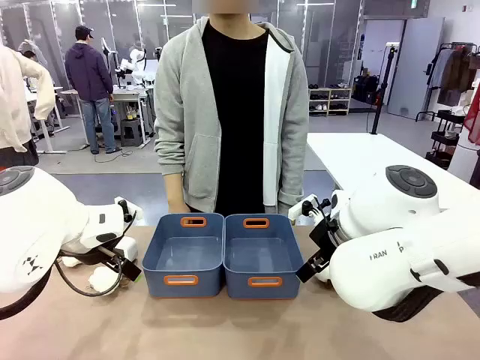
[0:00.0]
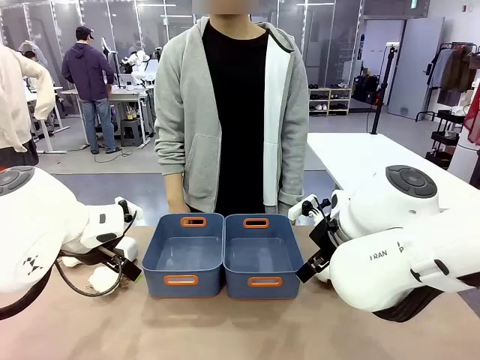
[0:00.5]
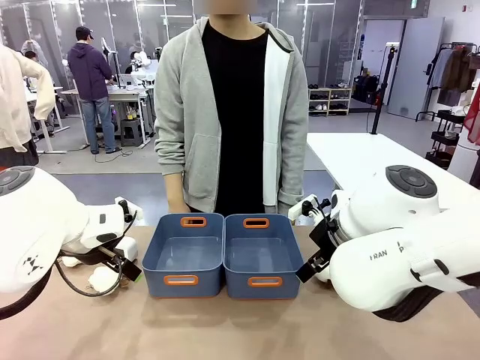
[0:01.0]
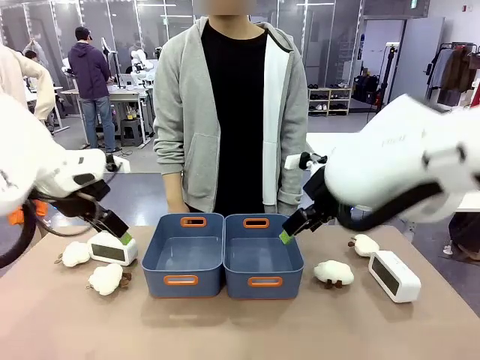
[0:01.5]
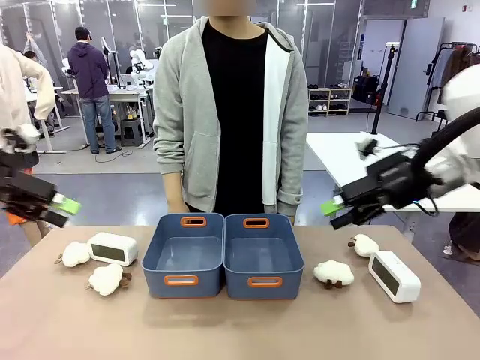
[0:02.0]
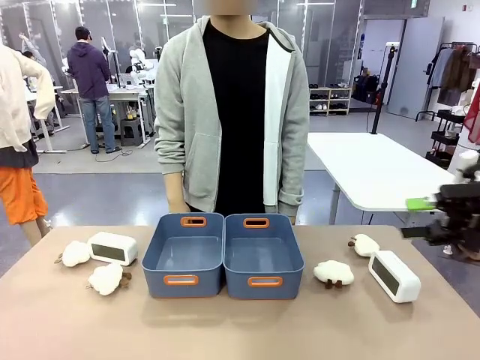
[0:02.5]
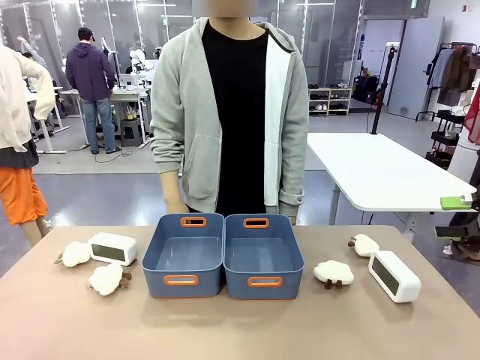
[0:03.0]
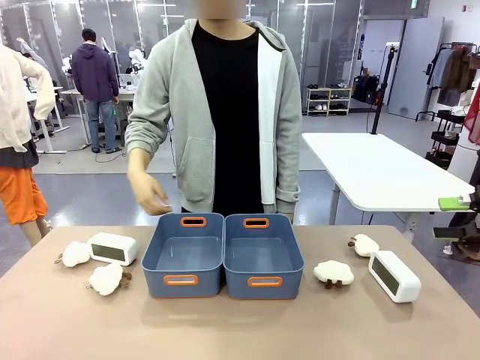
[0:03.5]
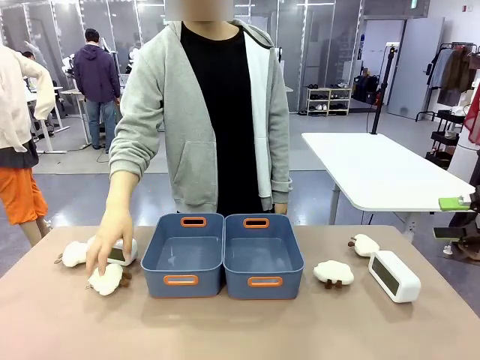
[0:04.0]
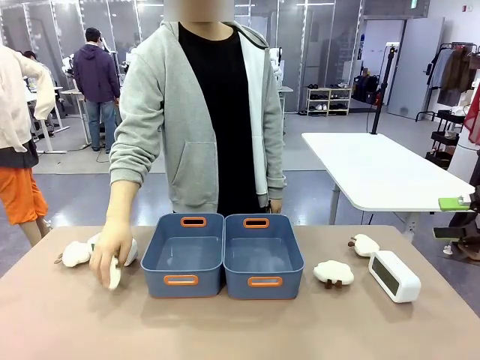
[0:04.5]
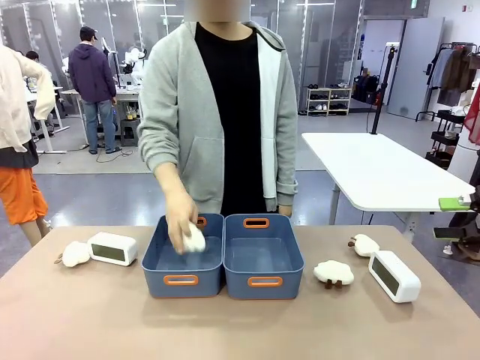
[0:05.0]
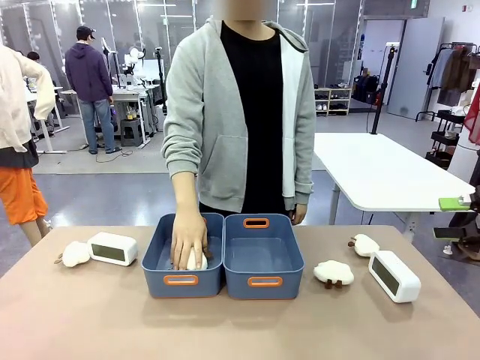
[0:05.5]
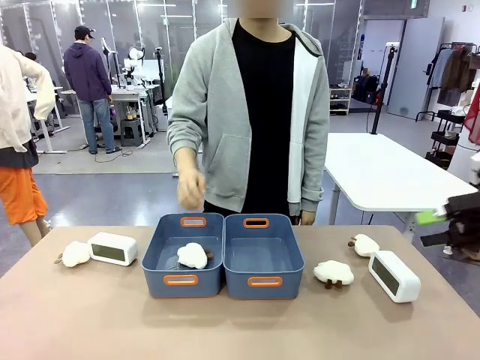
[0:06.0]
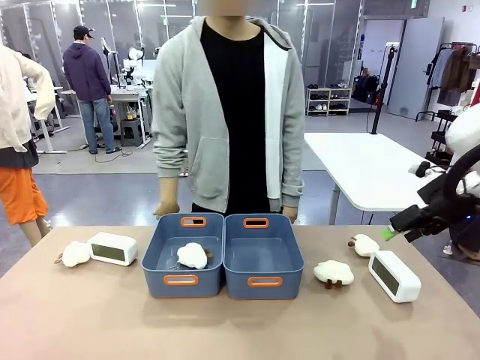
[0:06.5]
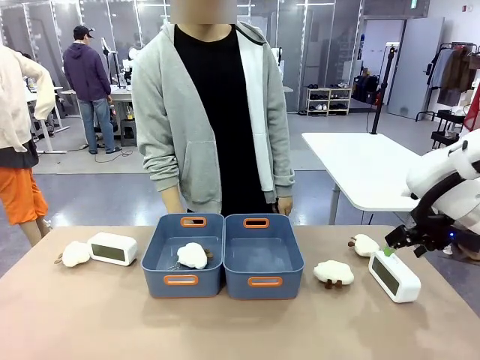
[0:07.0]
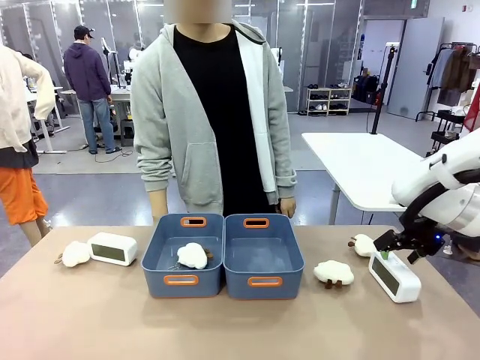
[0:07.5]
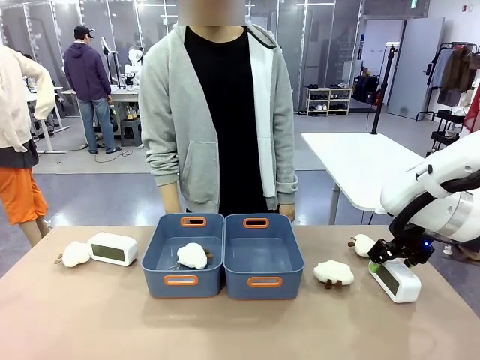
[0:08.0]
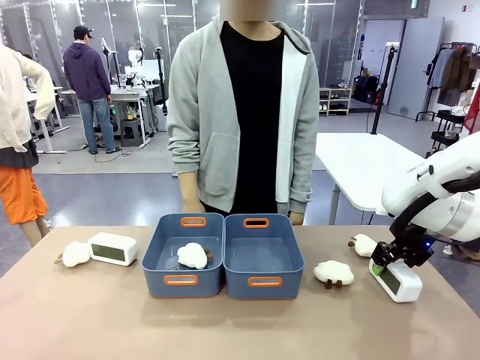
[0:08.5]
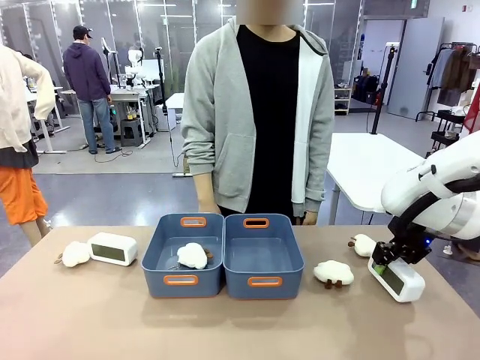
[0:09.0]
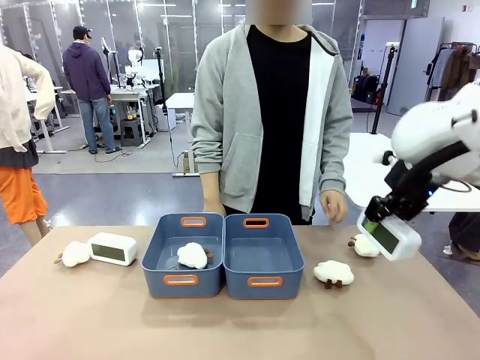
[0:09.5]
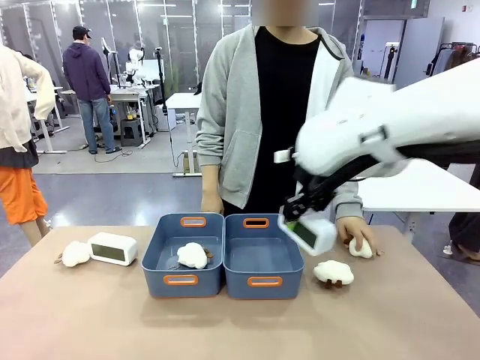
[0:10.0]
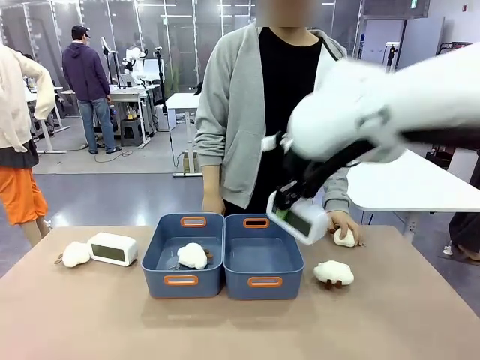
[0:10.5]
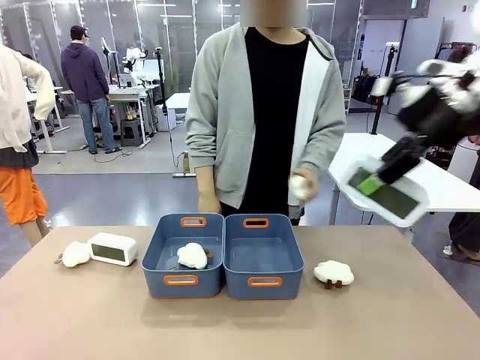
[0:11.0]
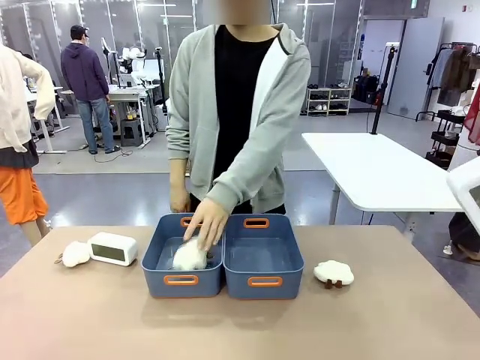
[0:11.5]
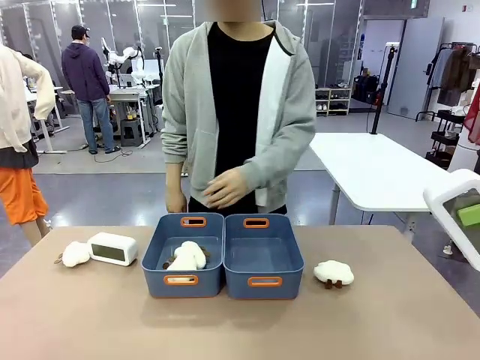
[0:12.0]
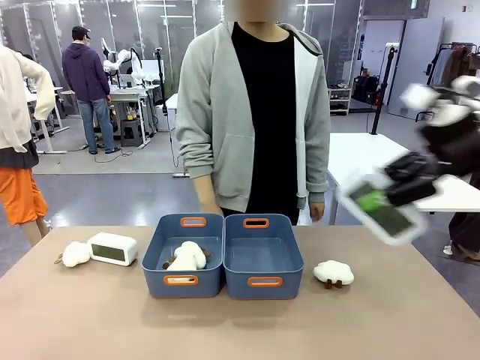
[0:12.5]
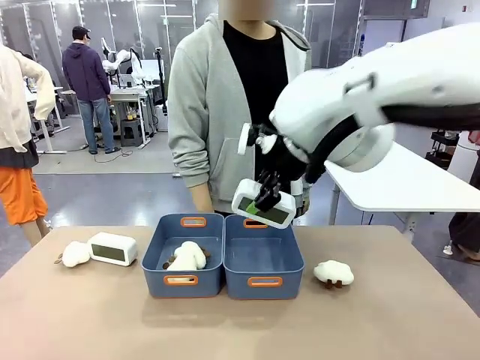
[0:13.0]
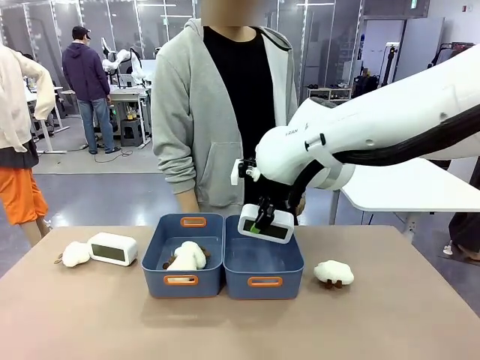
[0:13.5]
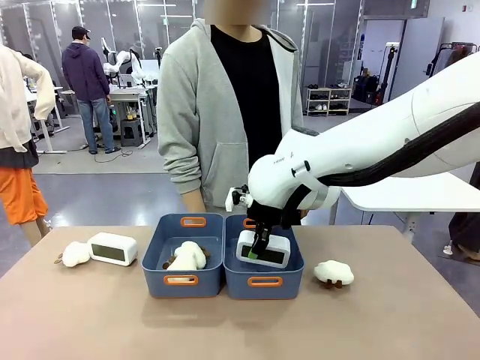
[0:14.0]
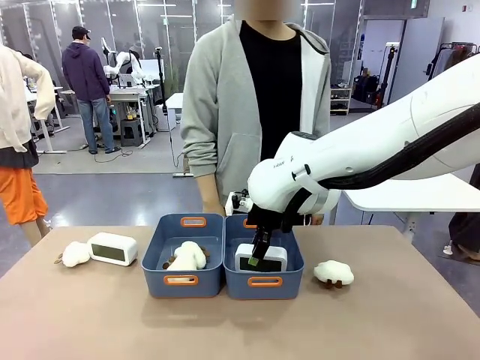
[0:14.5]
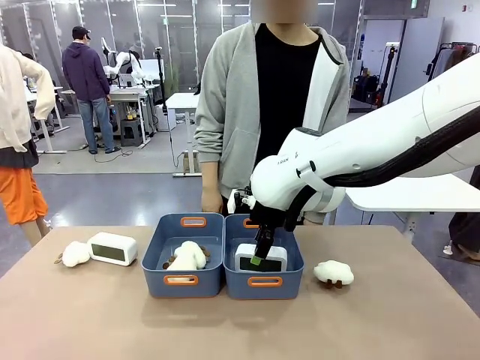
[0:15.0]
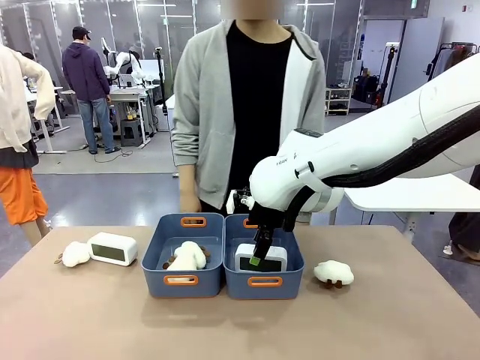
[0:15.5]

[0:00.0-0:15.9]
Task: Sort the digital clocks into the basket.
Robot: Pick up the Digital clock from the table and place it into the empty Plastic storage basket.
Person: Pick up a plush toy from the table and place it in a plastic storage basket.

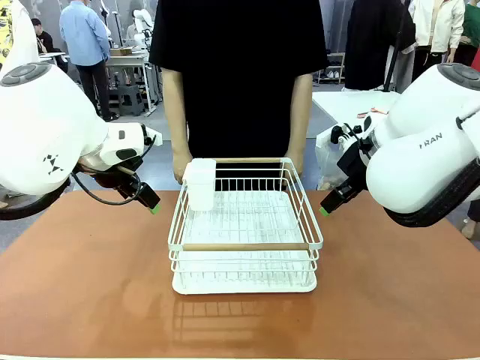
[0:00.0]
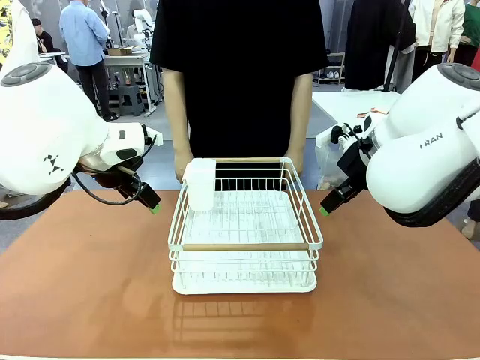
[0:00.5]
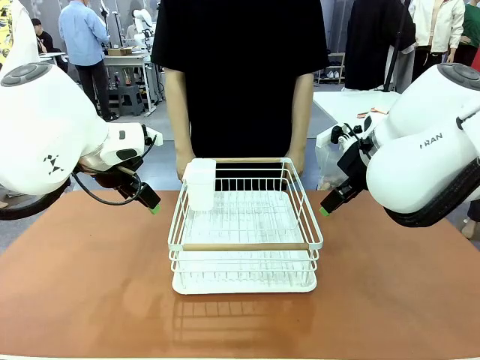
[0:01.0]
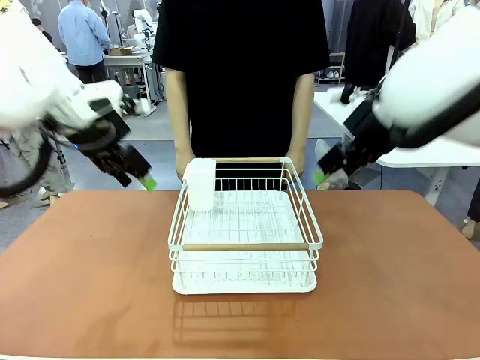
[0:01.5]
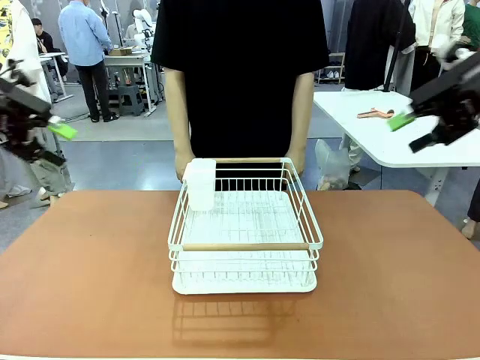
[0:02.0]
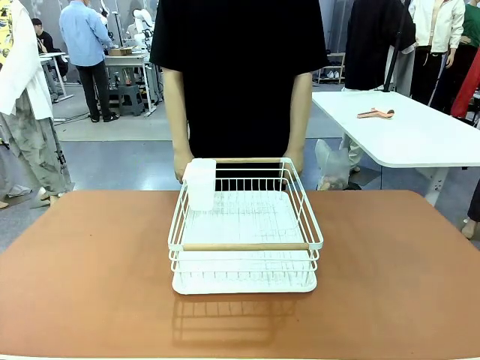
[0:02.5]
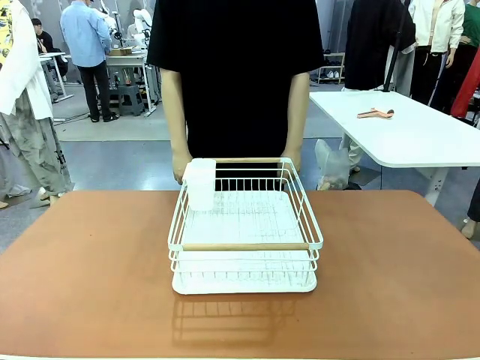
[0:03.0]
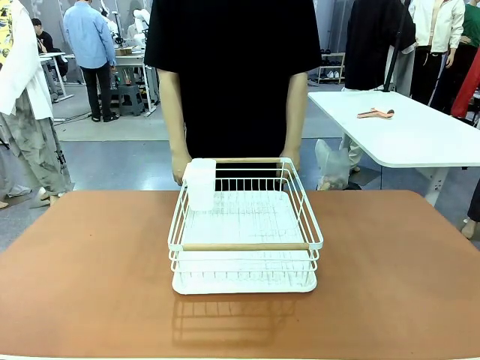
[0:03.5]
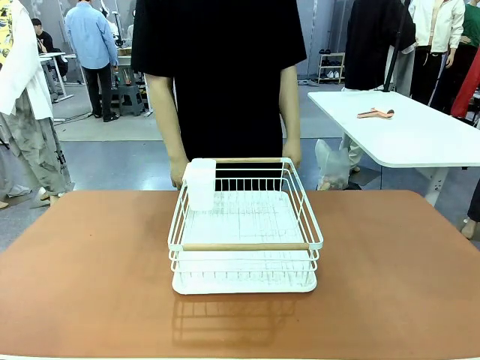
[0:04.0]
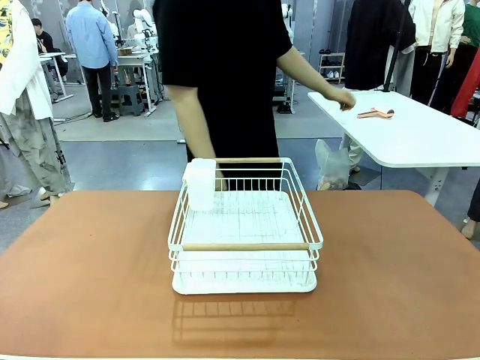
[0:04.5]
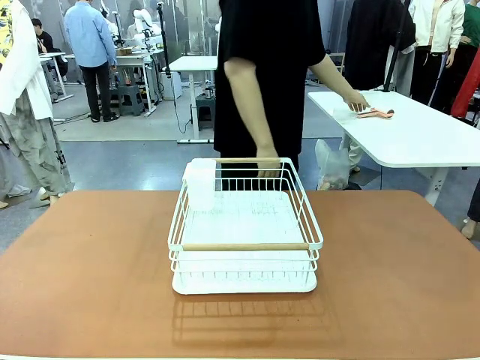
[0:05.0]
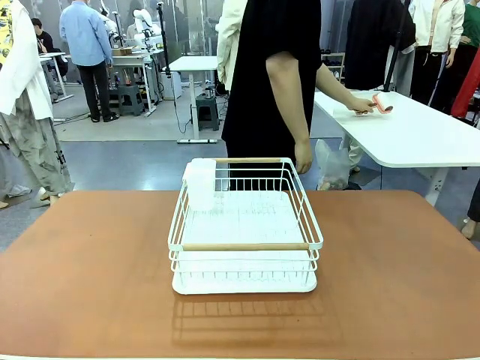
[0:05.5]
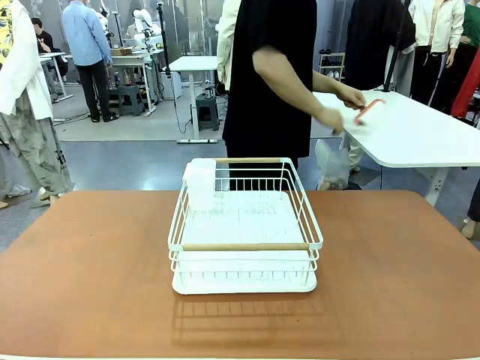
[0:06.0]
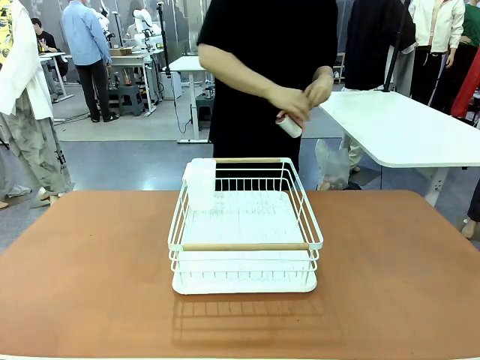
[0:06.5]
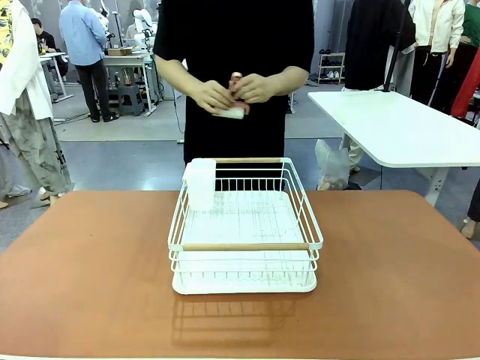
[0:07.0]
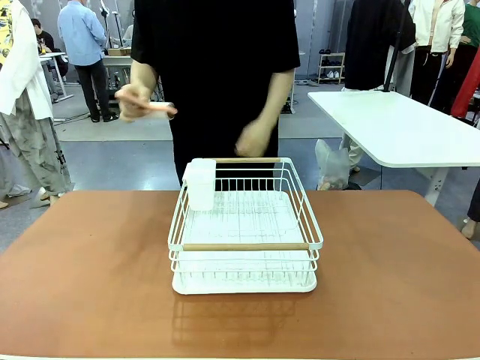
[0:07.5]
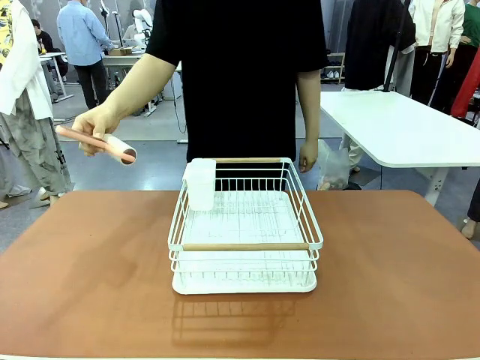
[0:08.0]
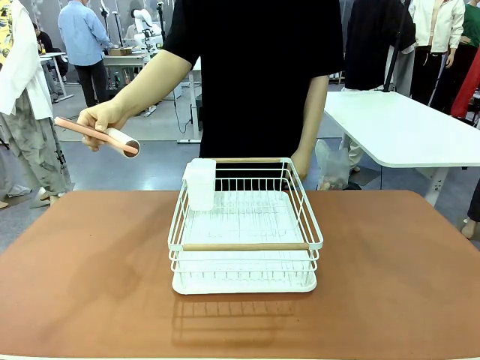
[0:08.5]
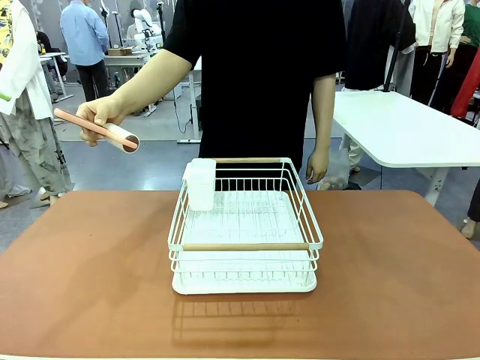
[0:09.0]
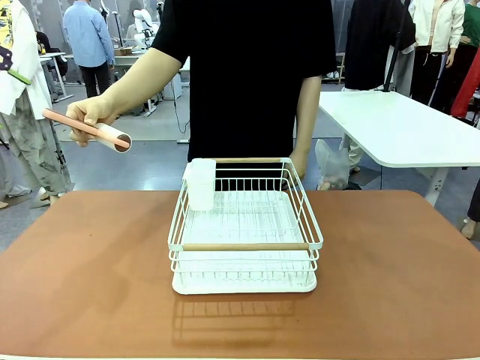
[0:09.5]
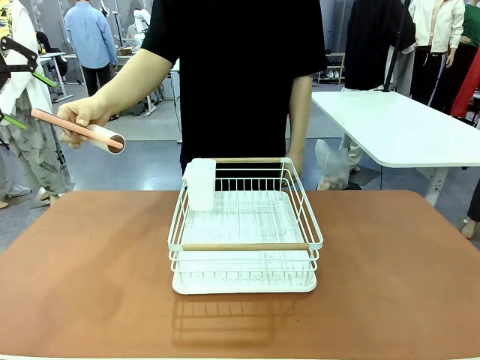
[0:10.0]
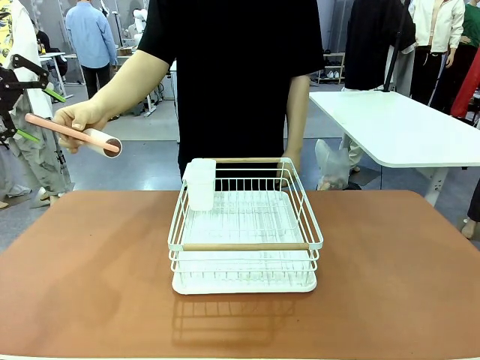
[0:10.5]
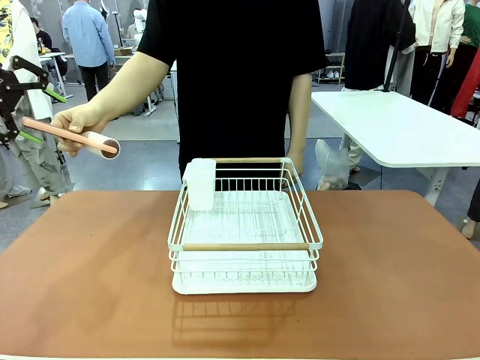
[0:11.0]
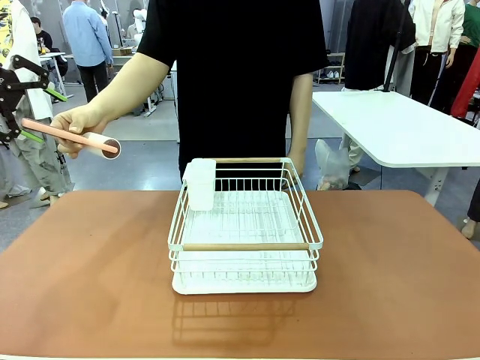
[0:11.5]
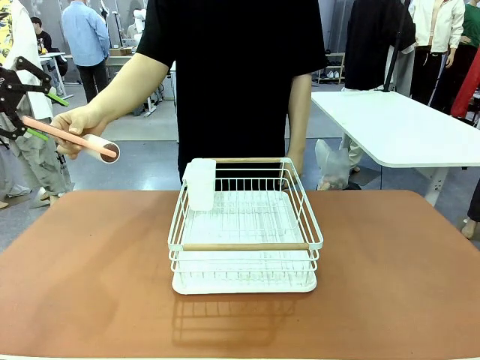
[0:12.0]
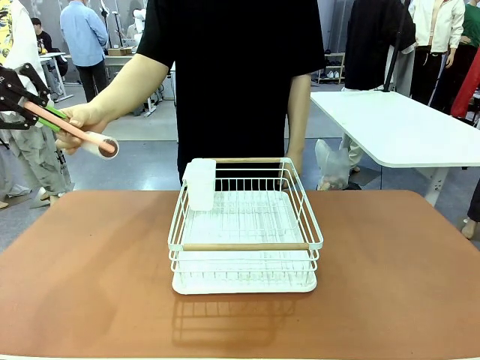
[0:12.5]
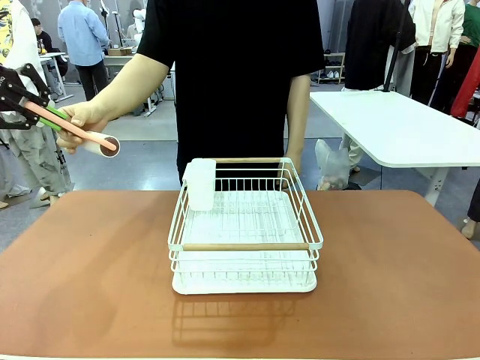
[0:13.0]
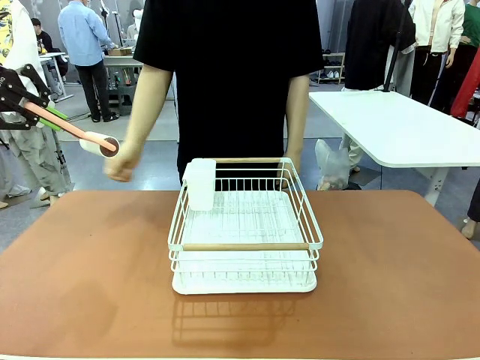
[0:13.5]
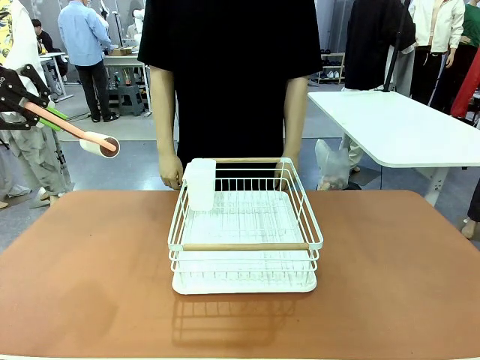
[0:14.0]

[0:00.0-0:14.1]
Task: Clean the table.
Robot: Pick up the Lint Roller when the human hands it over.
Person: Hand the Lint Roller to the robot so it can easily pick it up. Lift the Dish drying rack.
